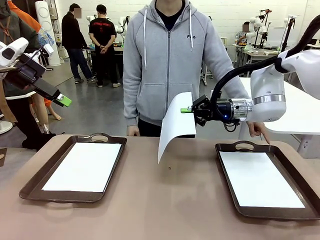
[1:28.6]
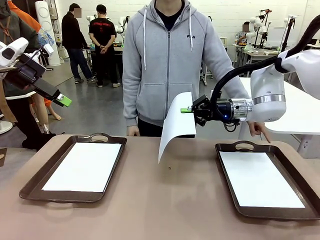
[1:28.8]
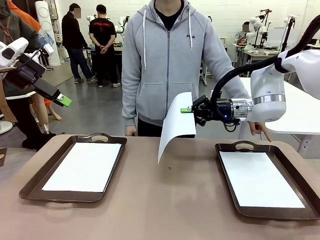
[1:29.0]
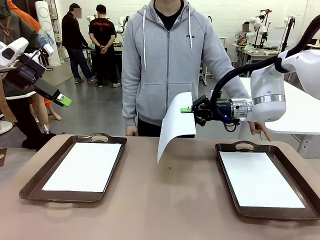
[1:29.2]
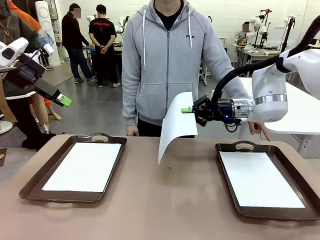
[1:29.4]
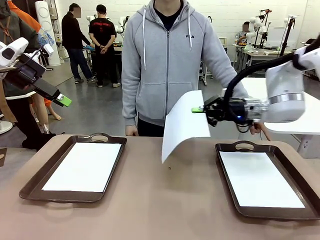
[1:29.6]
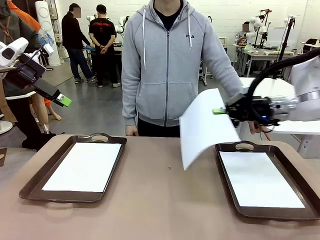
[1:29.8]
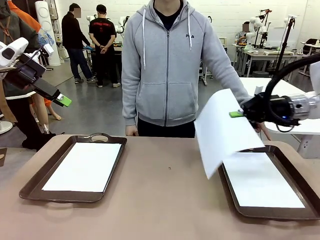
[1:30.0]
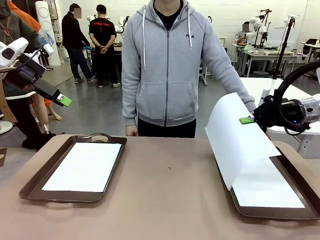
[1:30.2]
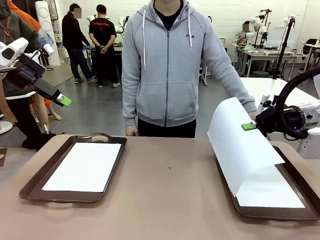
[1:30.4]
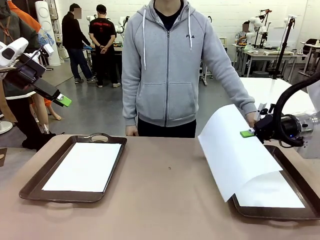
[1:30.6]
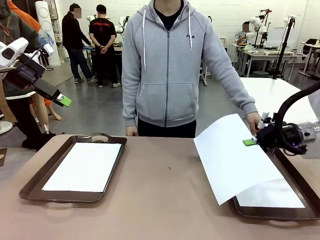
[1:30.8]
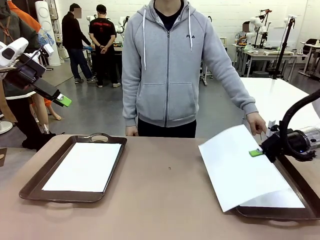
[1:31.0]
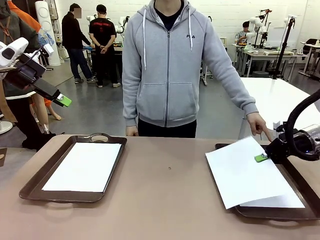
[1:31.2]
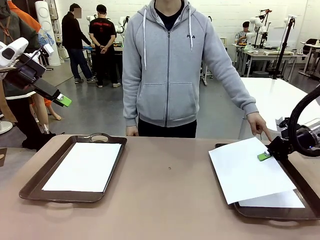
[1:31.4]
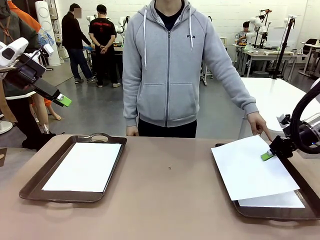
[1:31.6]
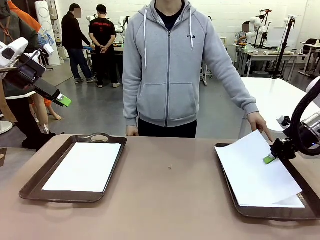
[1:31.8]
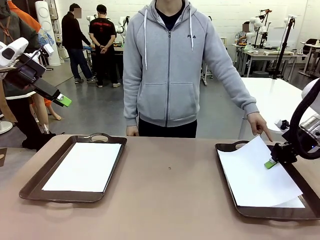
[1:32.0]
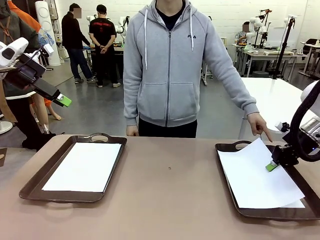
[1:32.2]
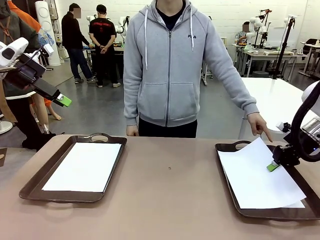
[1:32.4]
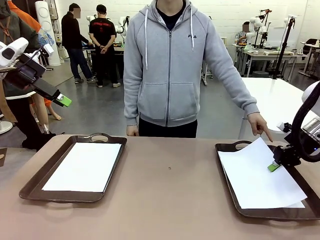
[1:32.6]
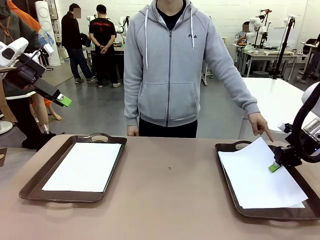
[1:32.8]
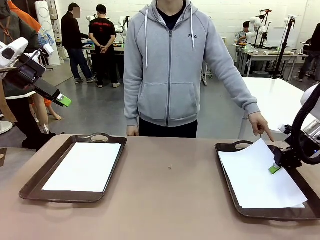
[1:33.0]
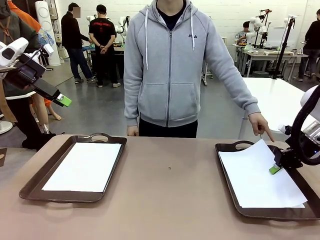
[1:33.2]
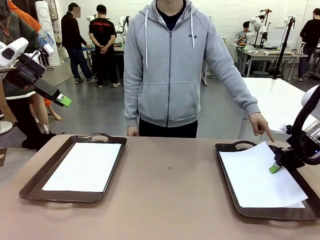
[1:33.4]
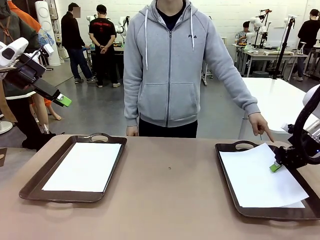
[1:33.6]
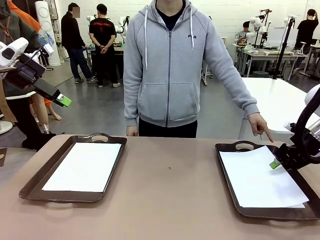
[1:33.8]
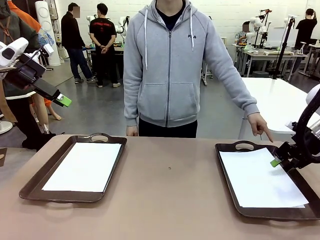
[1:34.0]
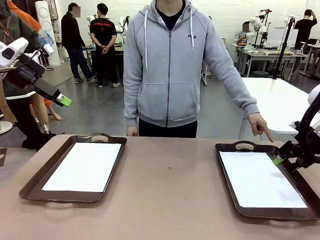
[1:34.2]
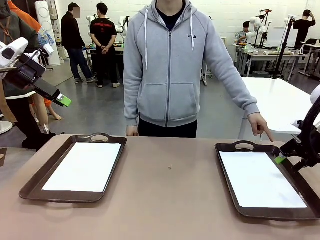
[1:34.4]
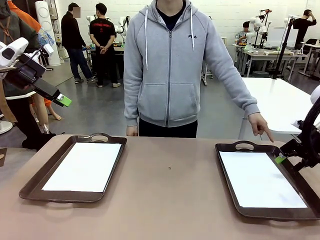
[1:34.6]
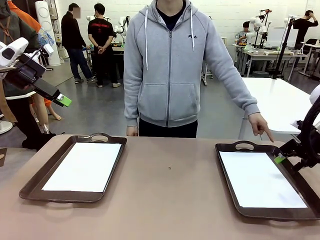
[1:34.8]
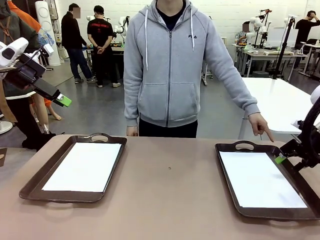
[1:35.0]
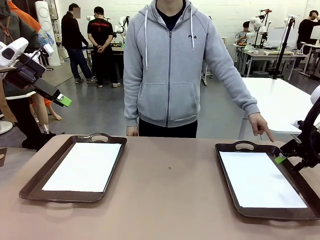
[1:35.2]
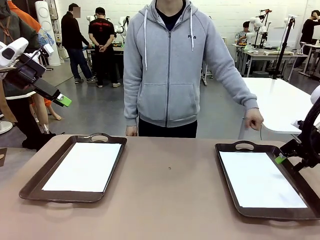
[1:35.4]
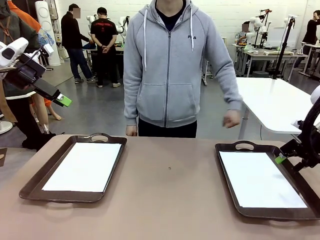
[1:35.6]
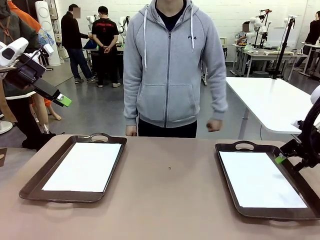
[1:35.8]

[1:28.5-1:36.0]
Task: Sort the A4 documents.
Robot: Place the A4 Paper in the designated Handle tray.

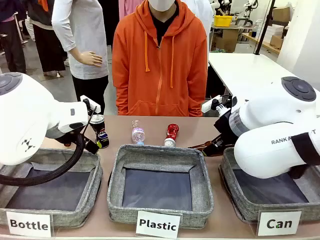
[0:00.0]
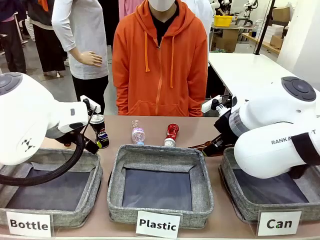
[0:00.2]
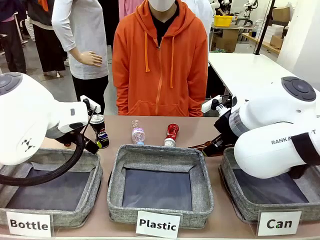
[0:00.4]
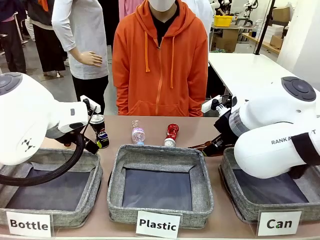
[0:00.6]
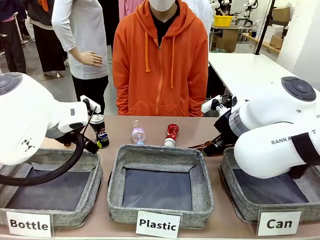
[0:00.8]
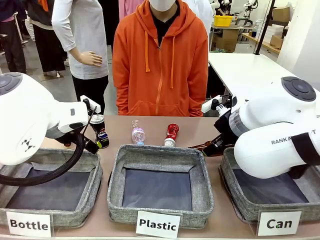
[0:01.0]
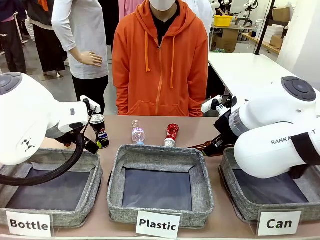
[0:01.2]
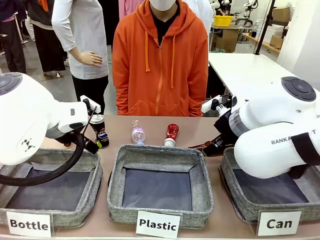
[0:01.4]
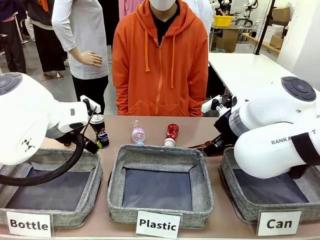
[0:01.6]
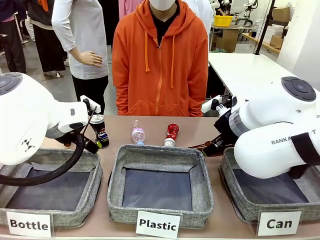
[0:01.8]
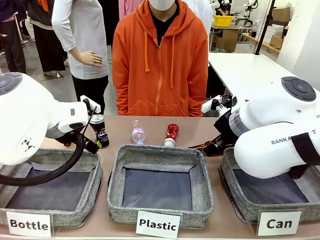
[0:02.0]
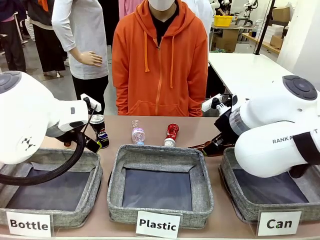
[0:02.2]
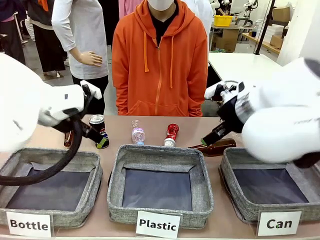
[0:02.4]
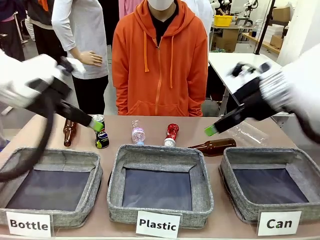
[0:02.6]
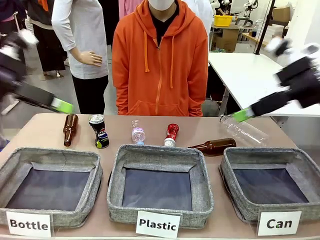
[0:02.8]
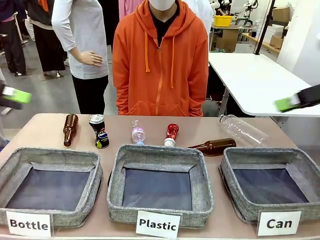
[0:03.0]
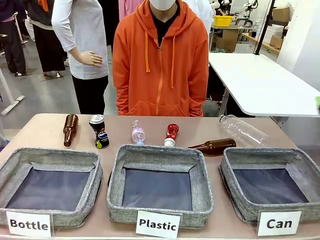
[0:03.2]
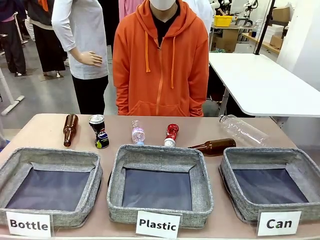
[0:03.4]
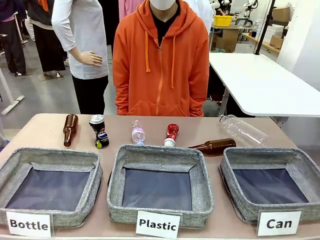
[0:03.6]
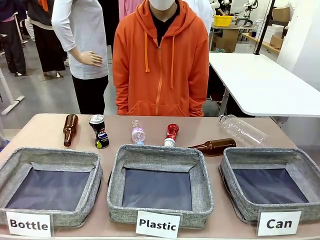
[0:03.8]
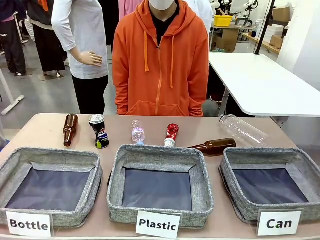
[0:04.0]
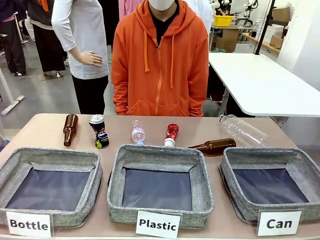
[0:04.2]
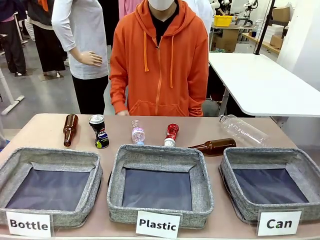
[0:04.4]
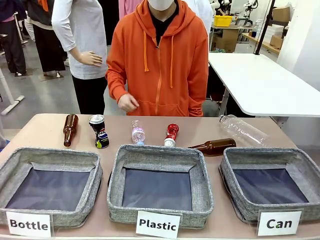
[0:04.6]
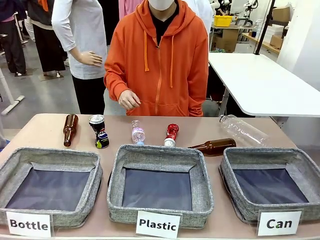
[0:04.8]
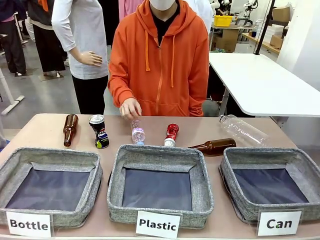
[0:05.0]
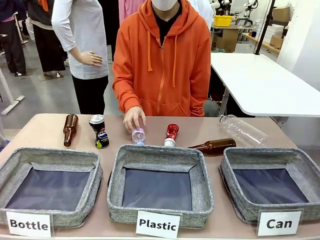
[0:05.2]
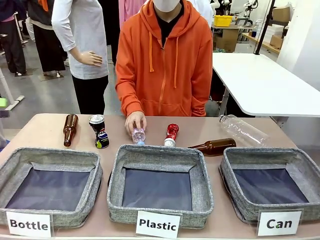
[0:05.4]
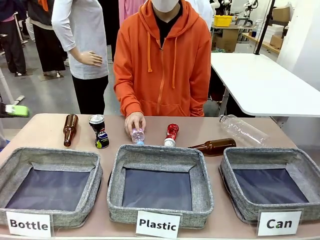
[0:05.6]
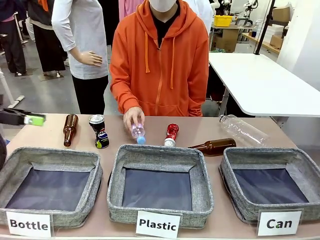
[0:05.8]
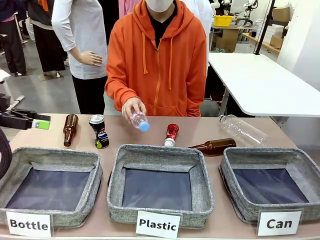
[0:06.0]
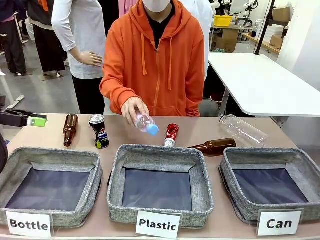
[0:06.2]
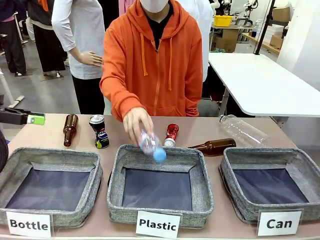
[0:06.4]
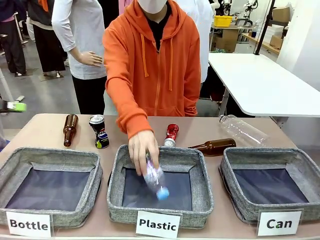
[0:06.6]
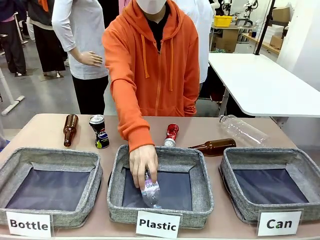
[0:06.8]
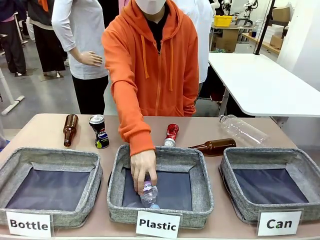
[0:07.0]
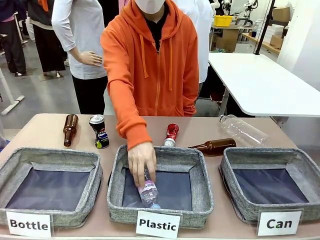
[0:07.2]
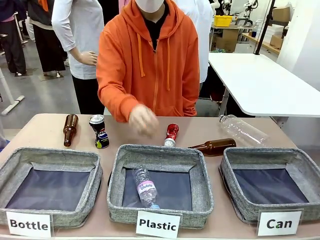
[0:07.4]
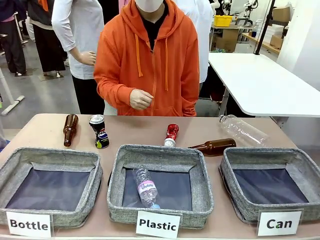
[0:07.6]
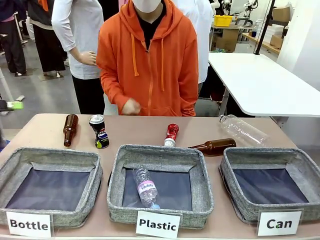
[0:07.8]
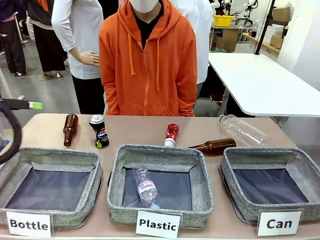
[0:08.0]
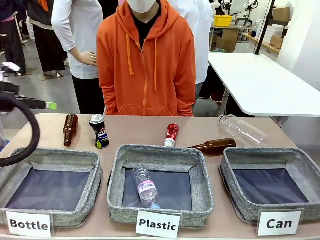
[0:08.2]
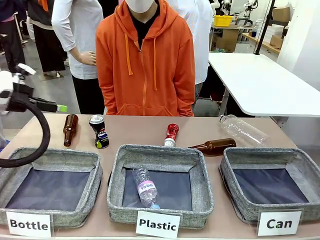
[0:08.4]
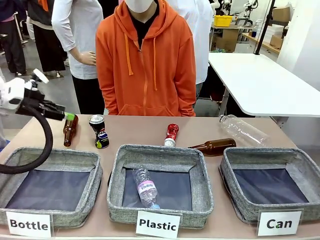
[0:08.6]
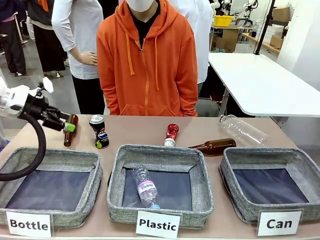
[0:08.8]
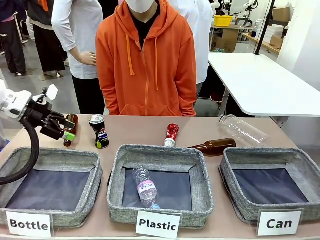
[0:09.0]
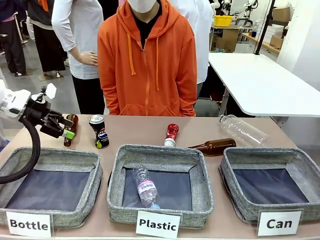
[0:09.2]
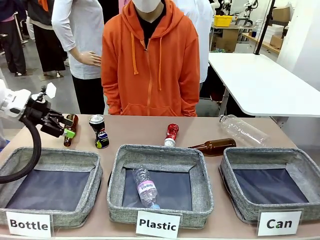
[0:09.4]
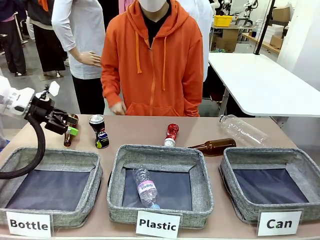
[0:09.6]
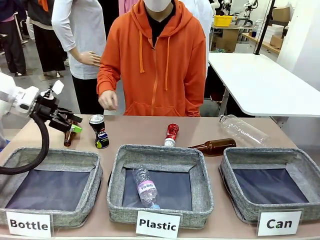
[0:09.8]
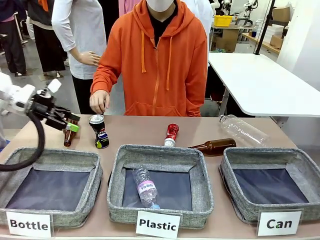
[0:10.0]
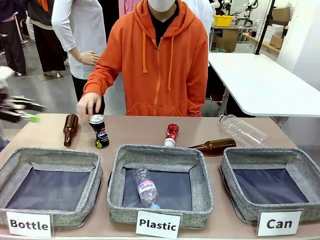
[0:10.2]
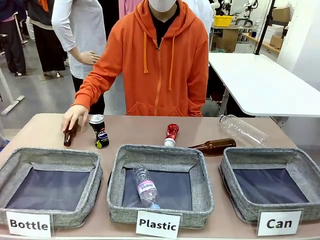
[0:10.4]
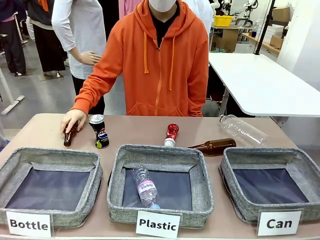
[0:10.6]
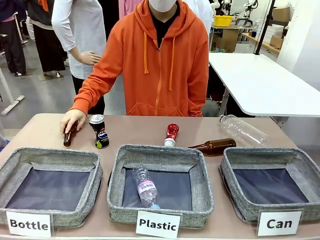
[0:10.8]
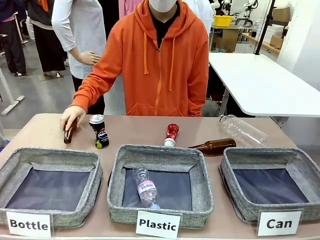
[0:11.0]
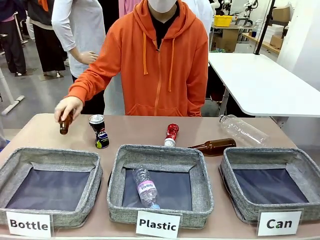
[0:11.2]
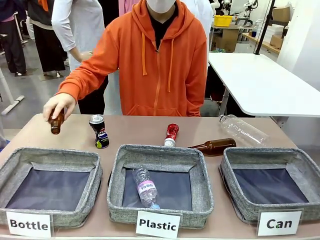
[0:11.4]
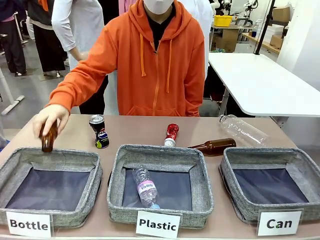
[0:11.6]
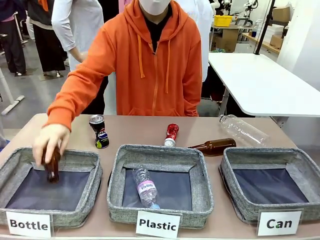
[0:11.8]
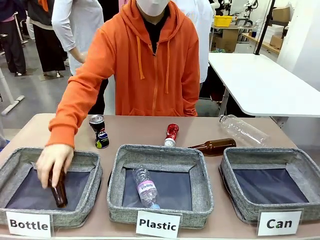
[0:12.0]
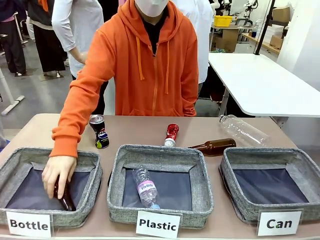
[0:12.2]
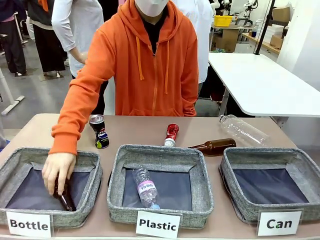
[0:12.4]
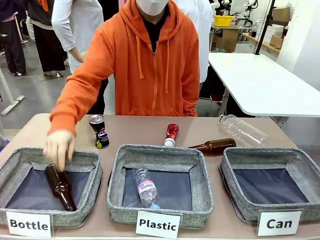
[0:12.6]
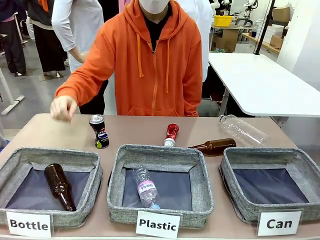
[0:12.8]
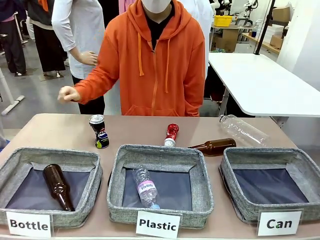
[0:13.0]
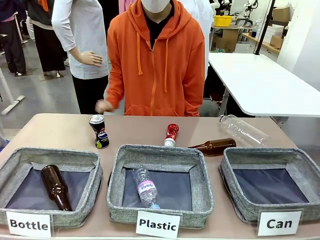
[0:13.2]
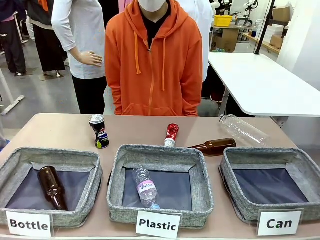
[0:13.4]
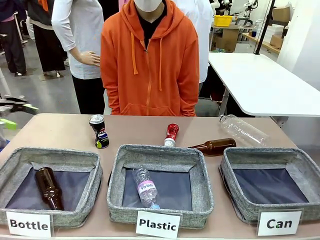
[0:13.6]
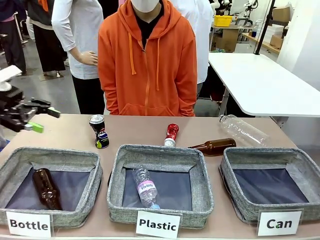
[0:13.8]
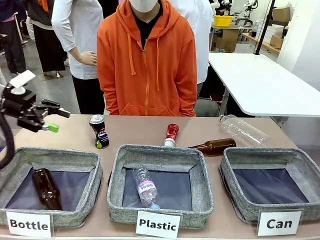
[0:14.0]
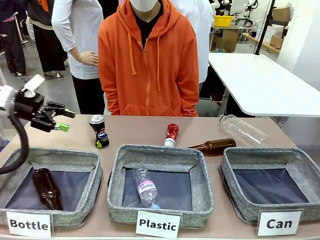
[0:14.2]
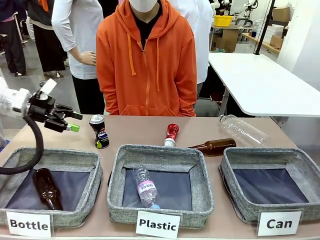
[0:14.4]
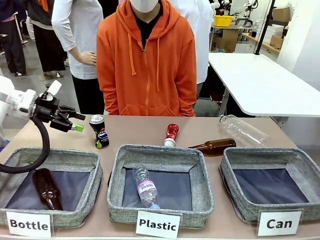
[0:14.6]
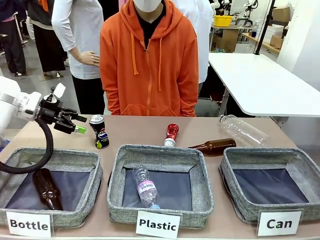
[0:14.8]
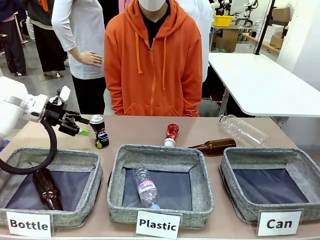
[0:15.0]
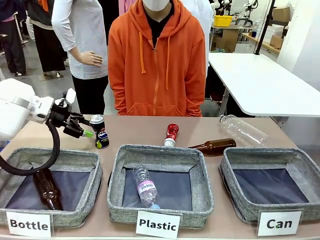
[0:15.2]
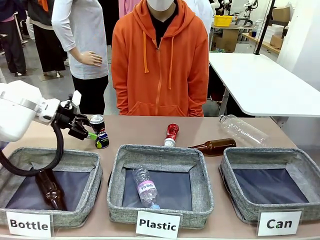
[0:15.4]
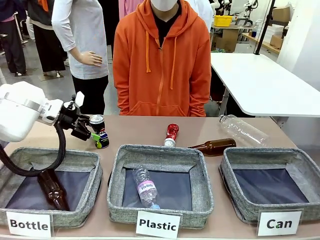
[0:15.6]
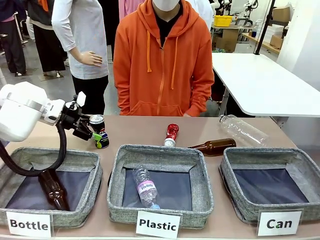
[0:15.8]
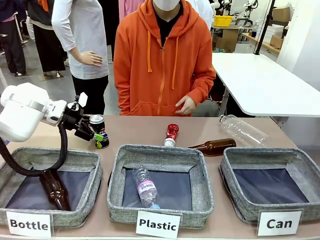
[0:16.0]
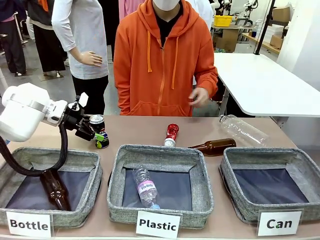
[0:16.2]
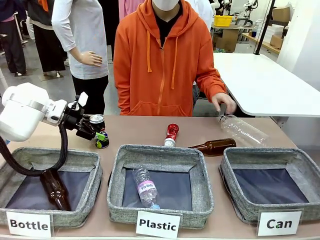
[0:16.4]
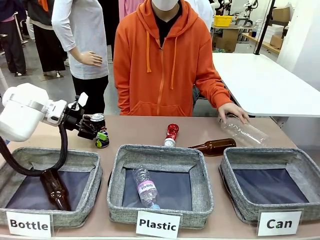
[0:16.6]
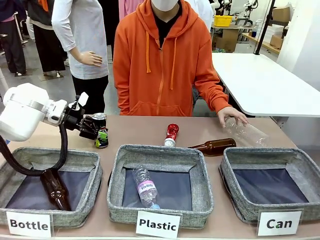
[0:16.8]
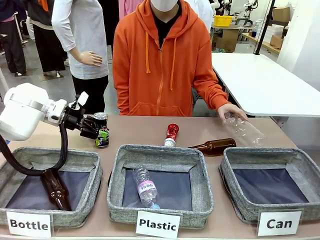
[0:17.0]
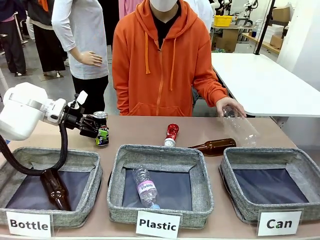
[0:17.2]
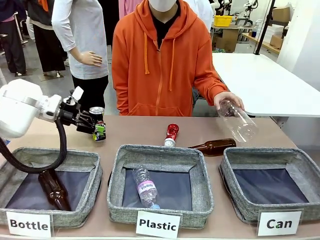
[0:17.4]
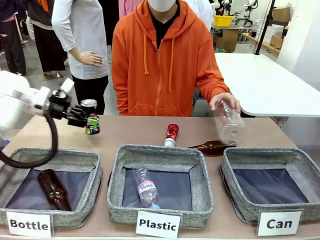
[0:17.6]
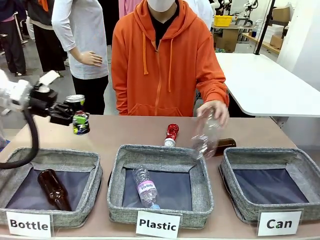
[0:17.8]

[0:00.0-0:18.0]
Task: Sort the can waste into the basket.
Robot: Pick up the can waste from the table and place it in the right Fabric basket.
